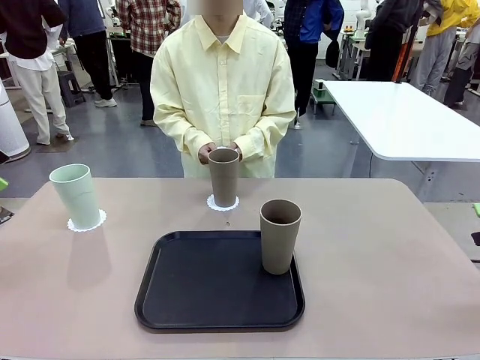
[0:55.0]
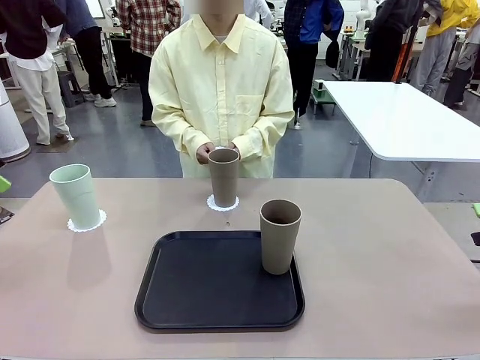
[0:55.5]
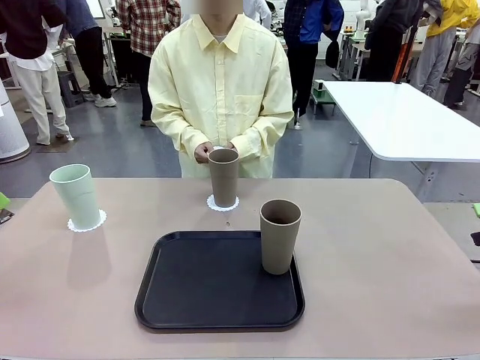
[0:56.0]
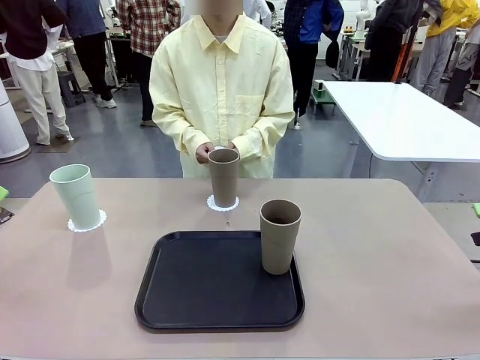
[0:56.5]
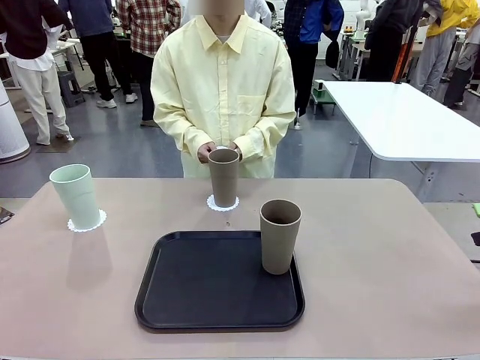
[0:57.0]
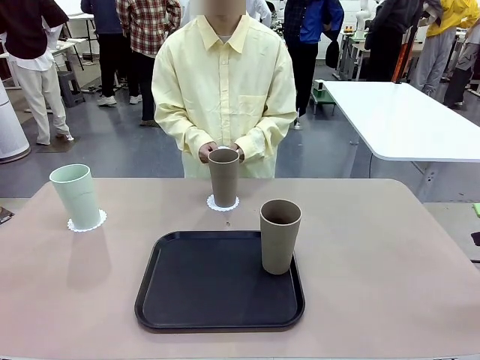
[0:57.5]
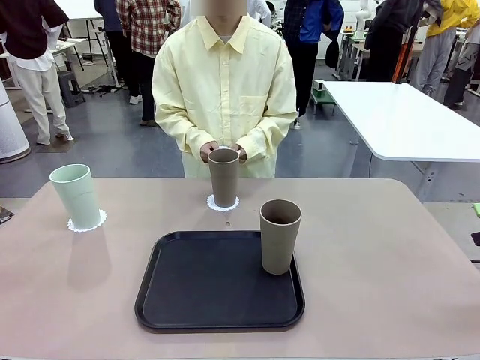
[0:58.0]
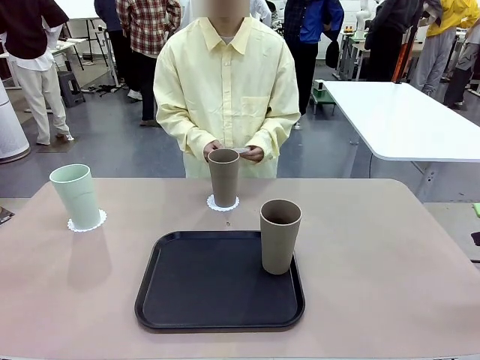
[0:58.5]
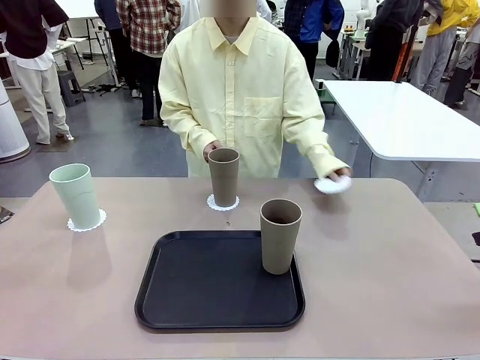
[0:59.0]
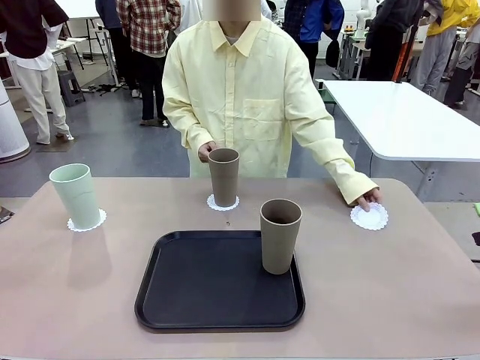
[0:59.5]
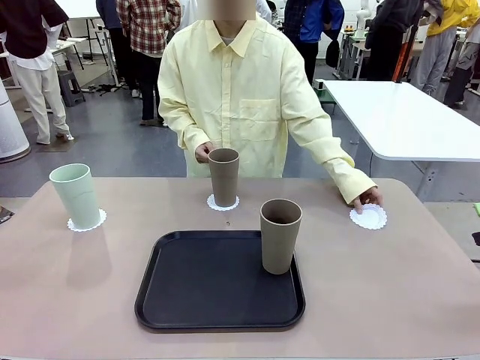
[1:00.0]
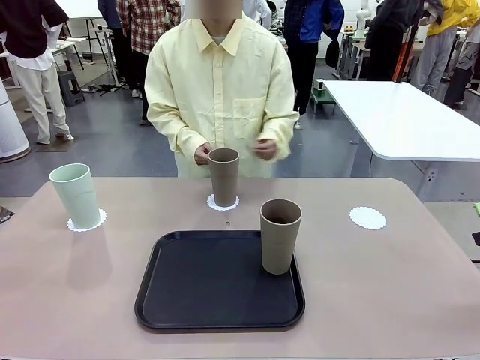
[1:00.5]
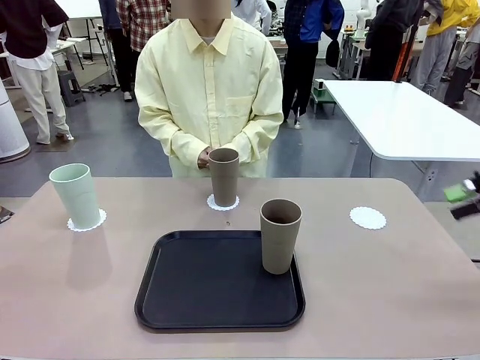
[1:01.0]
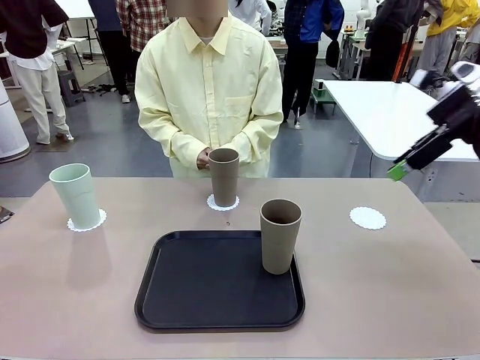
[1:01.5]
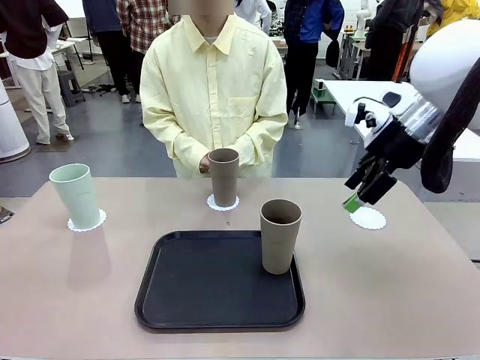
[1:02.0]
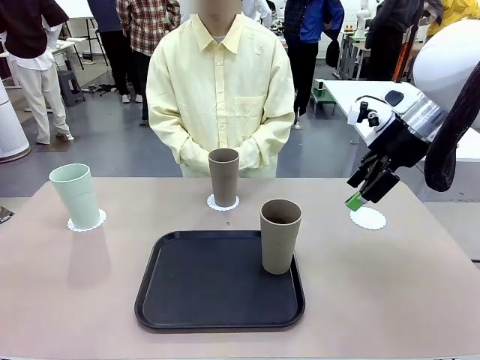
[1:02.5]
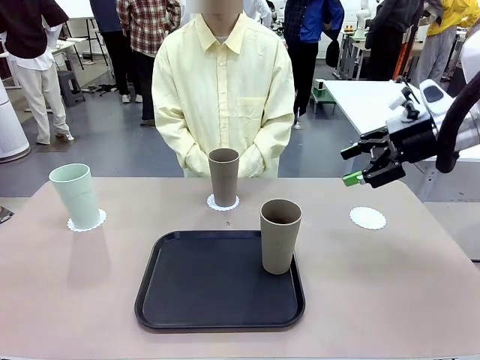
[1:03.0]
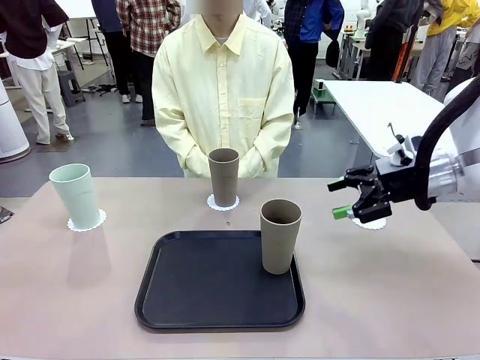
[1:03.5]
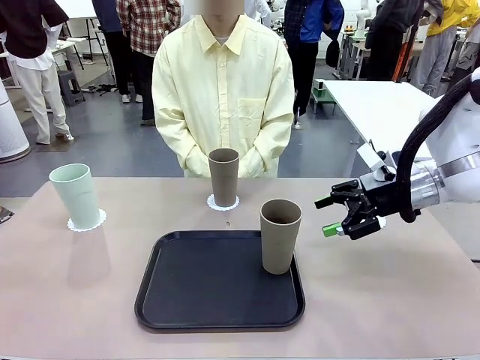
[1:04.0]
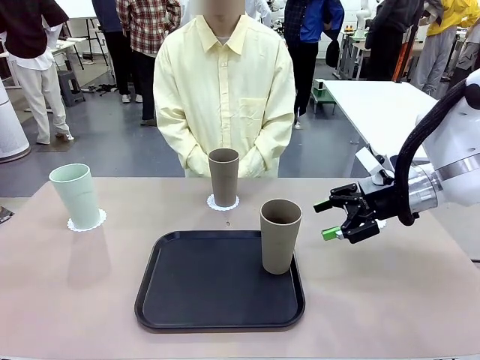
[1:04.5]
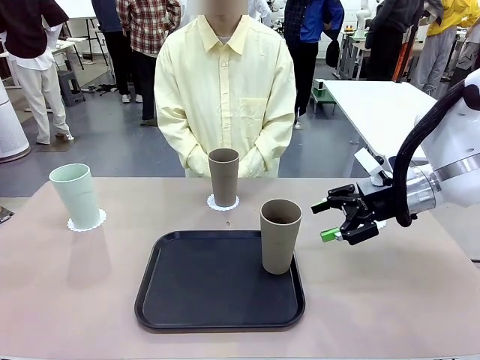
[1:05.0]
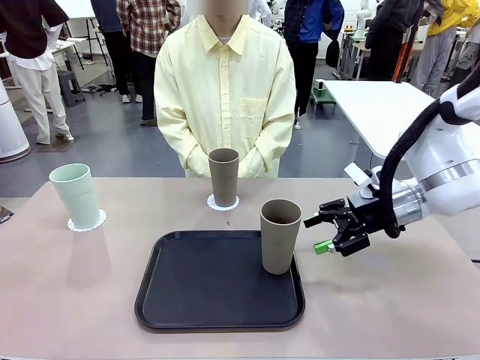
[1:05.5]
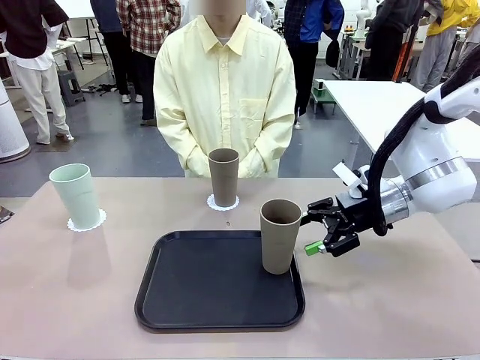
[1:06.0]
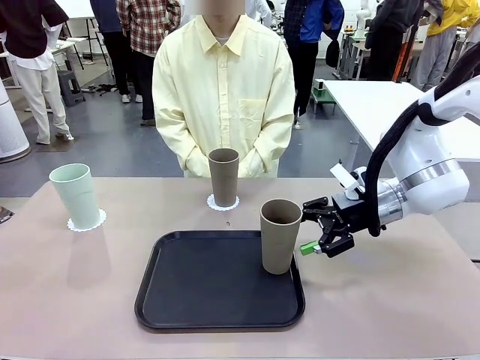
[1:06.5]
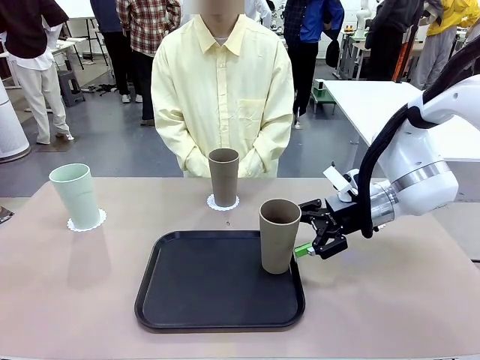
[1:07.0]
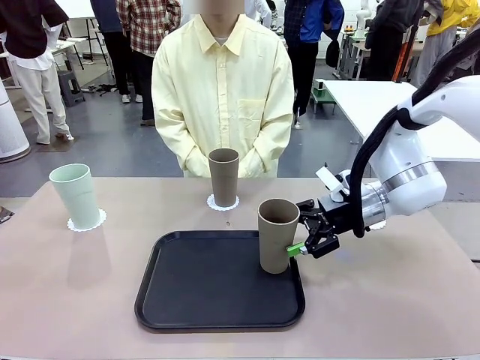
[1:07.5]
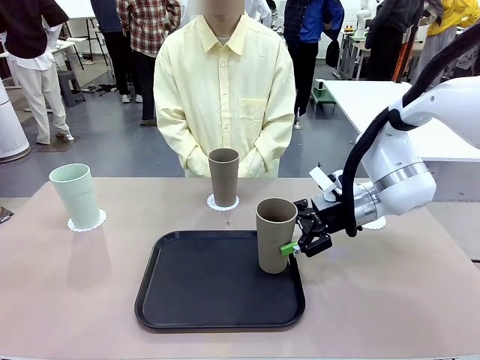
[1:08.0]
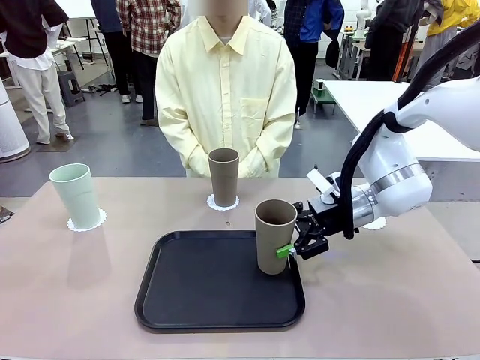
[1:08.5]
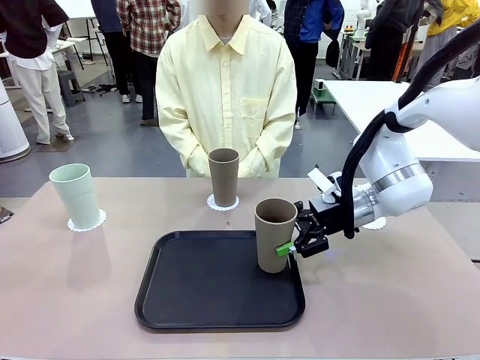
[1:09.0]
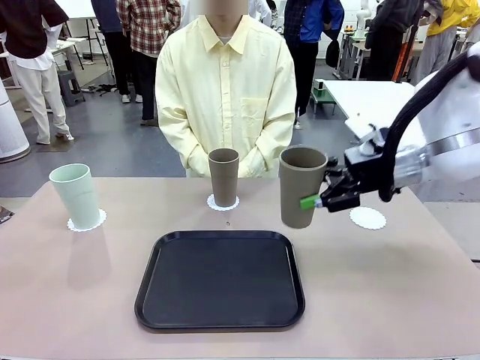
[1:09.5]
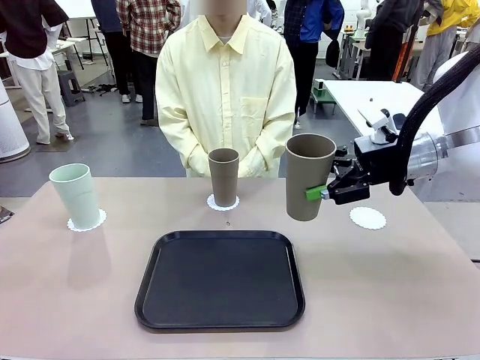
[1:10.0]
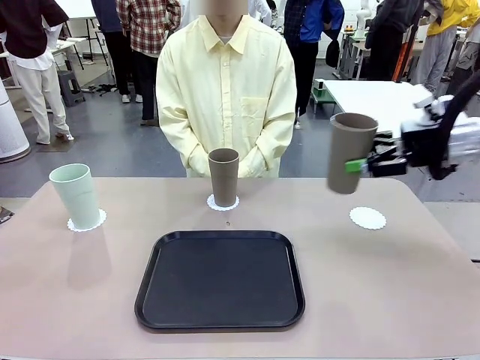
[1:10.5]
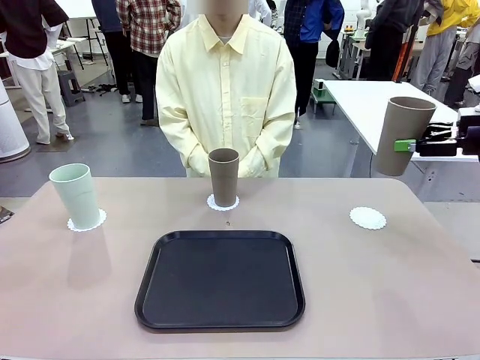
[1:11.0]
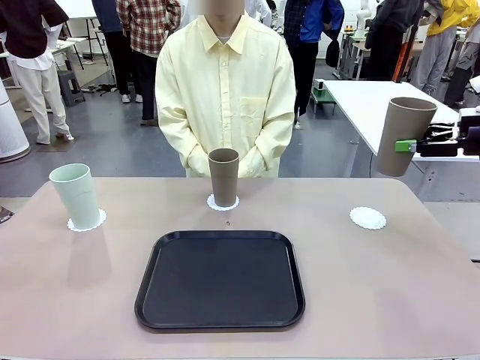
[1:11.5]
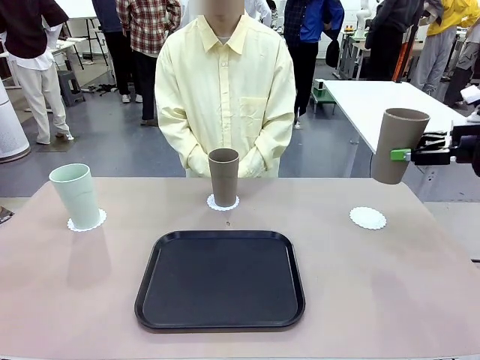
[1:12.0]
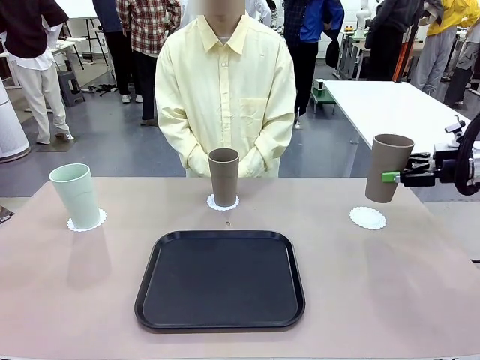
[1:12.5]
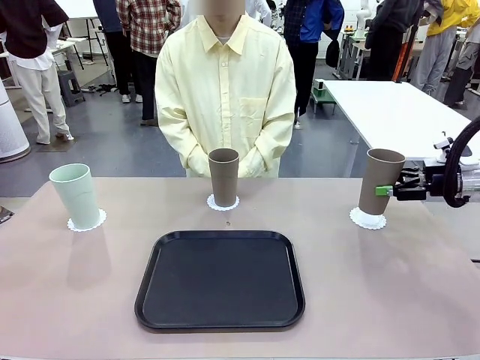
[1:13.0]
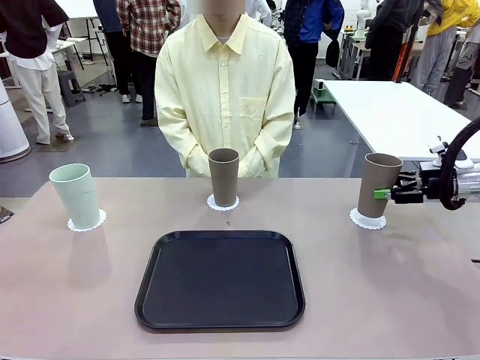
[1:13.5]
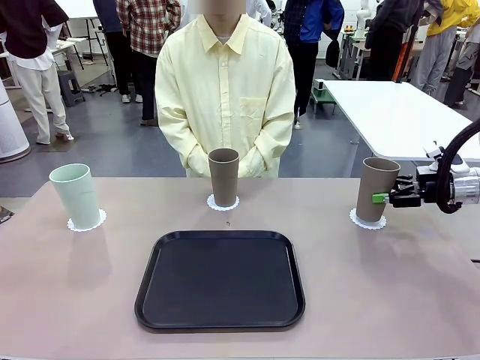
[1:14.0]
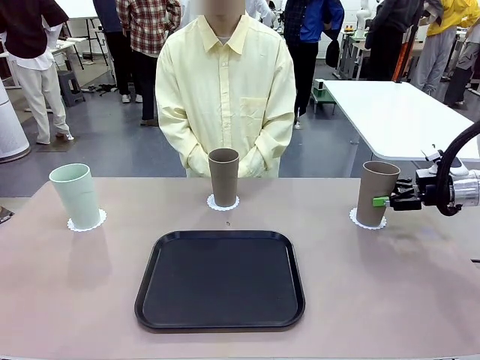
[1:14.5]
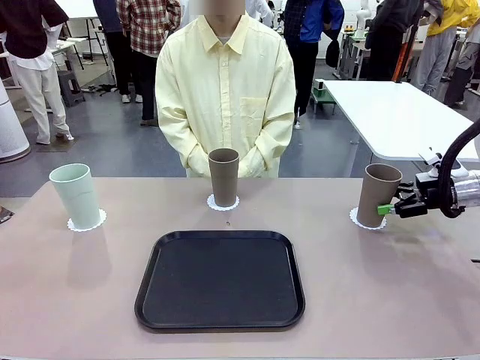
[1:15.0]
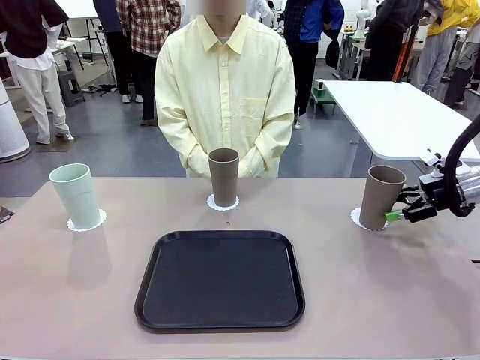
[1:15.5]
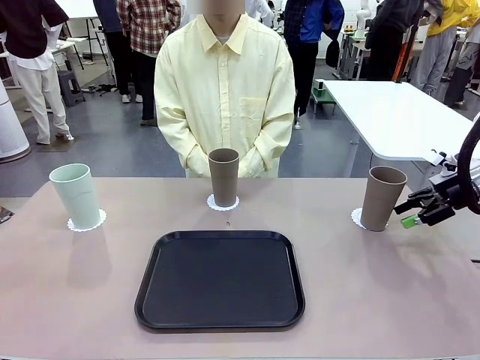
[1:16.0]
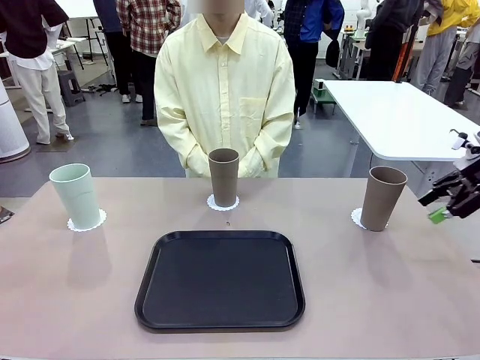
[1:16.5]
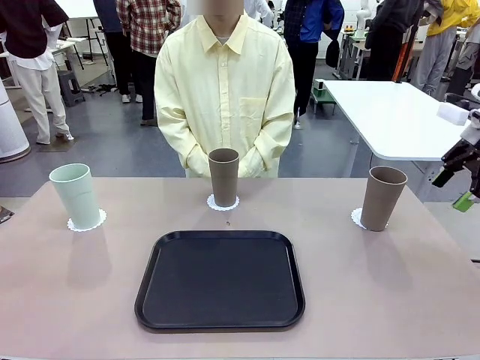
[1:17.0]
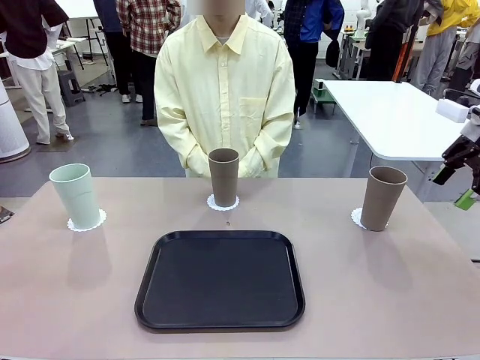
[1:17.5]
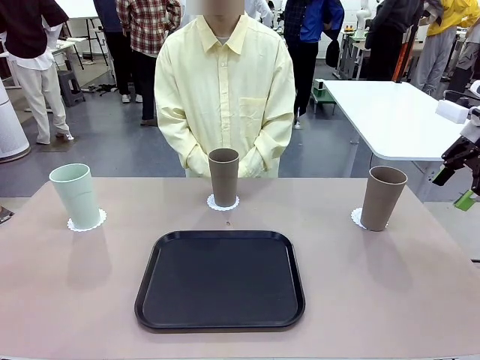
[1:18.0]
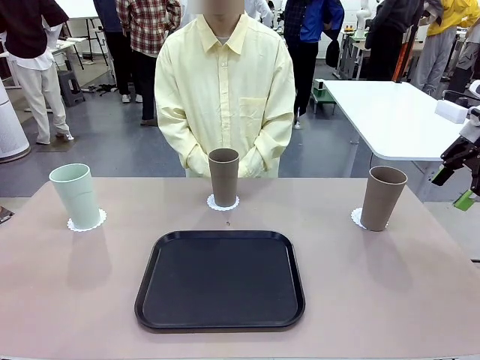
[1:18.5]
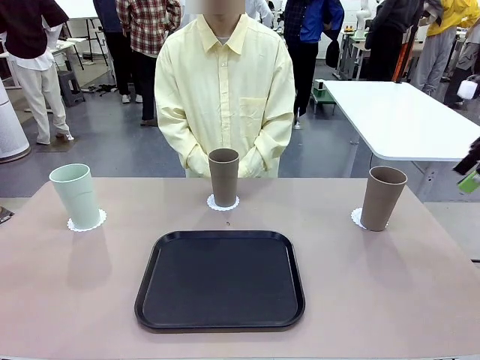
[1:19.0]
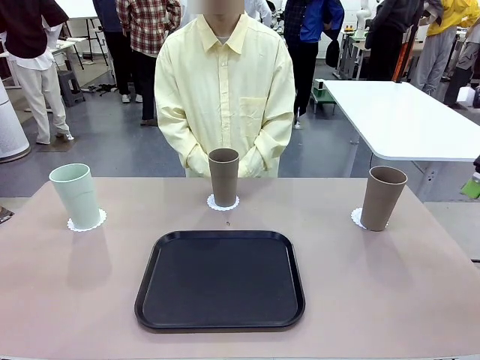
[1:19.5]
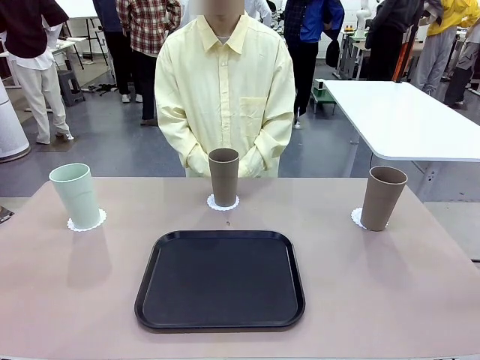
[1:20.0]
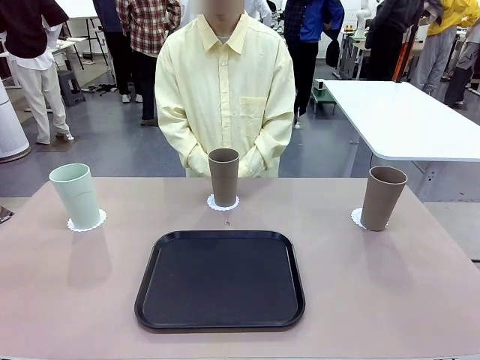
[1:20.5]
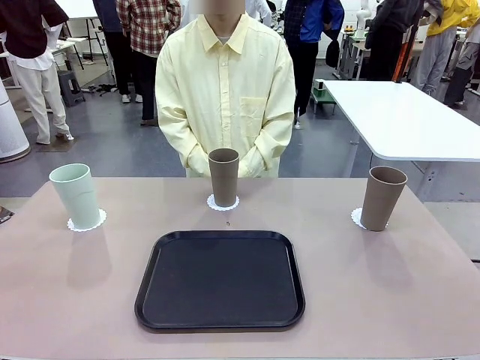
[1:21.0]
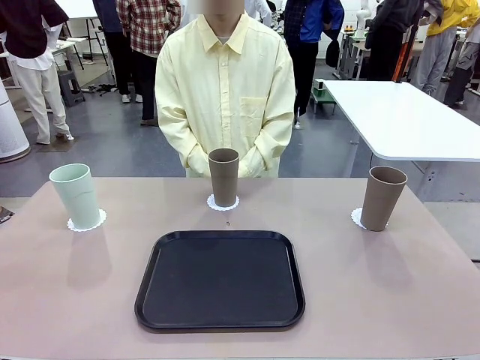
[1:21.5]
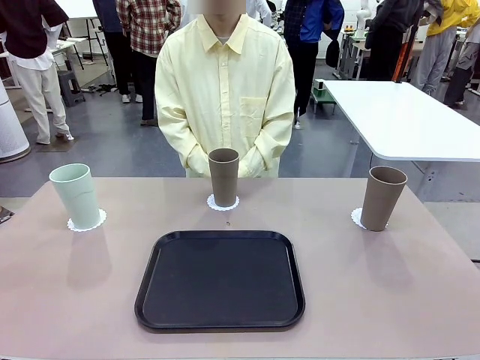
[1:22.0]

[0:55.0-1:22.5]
Task: Place coasters on the table and set cups on them.
Robot: Take one Reusable plastic cup from the Flat Tray and place it on a coaster set by the human.
Person: Place one coaster in the only remaining area.
